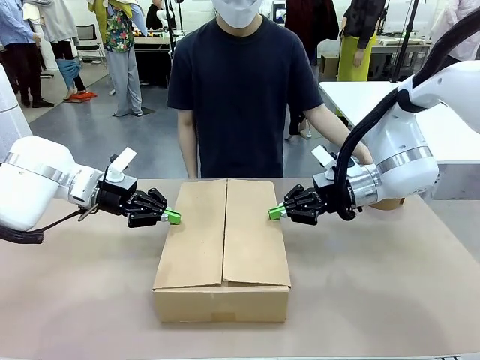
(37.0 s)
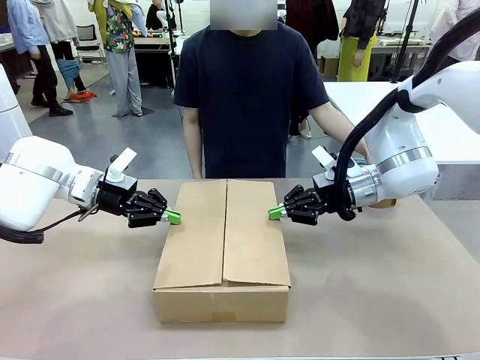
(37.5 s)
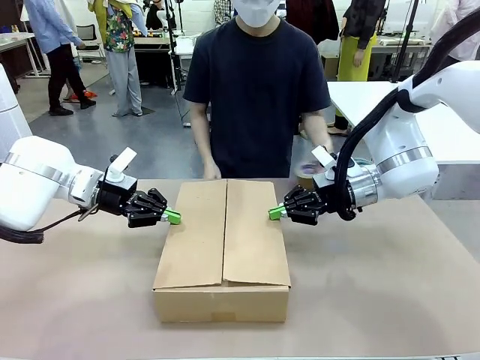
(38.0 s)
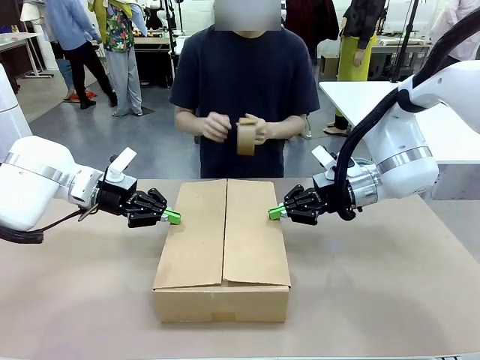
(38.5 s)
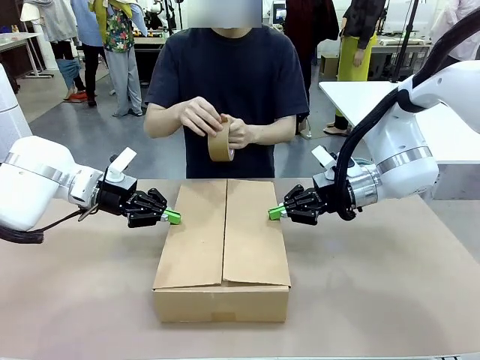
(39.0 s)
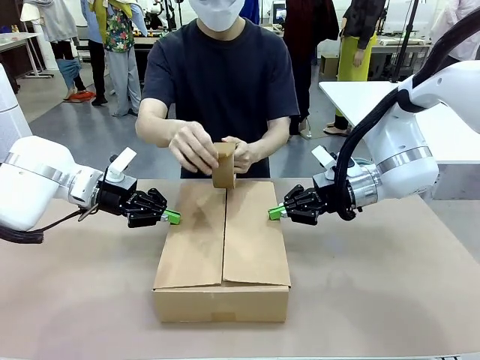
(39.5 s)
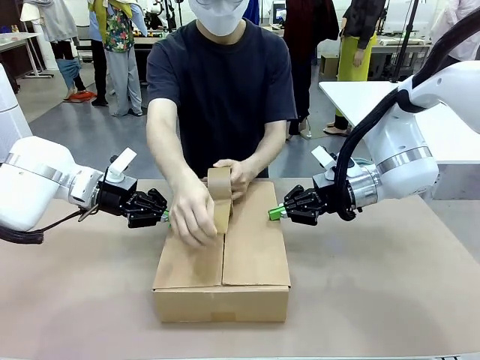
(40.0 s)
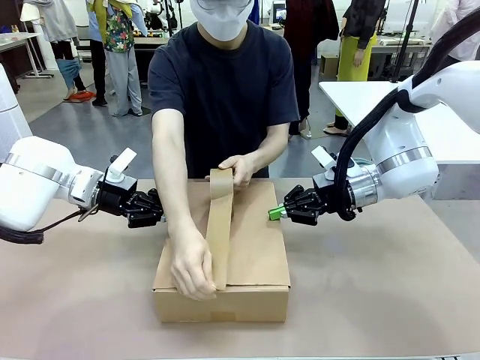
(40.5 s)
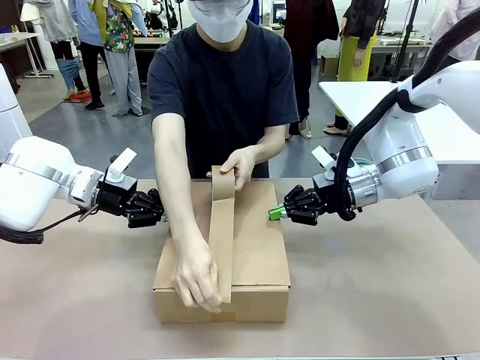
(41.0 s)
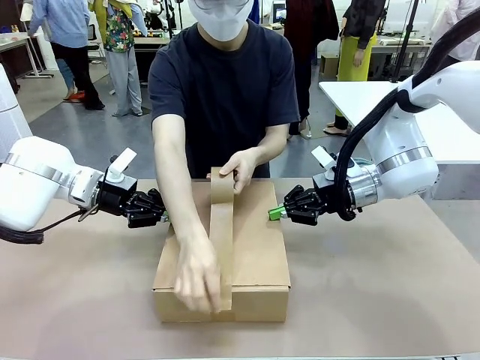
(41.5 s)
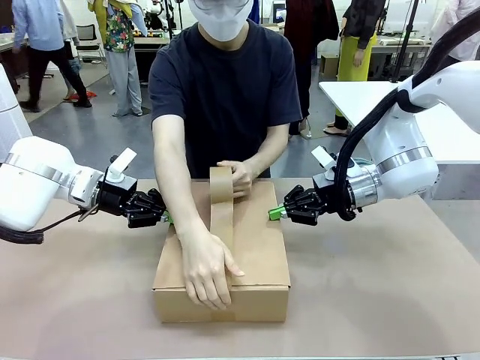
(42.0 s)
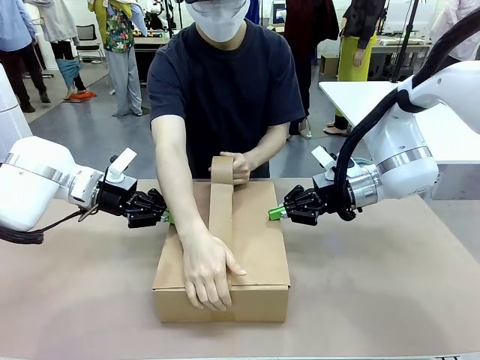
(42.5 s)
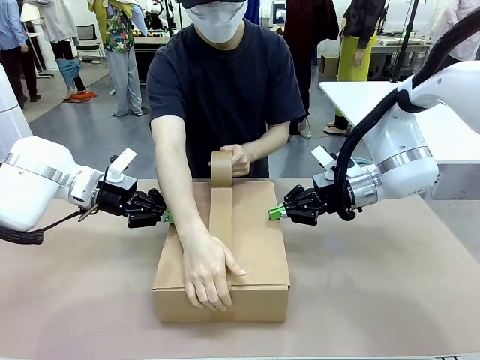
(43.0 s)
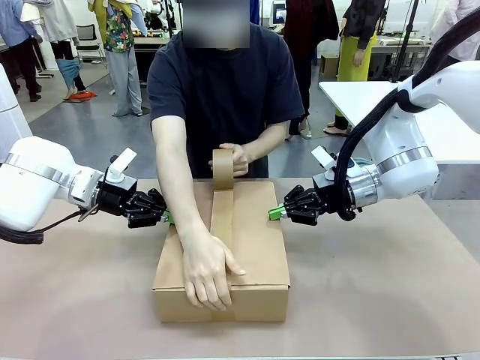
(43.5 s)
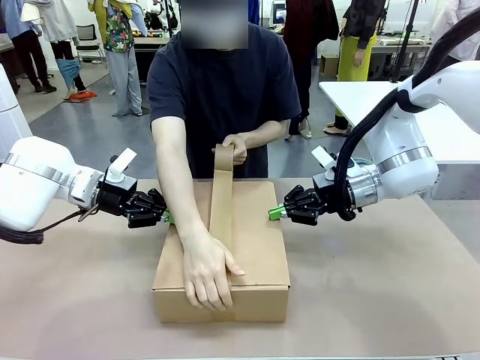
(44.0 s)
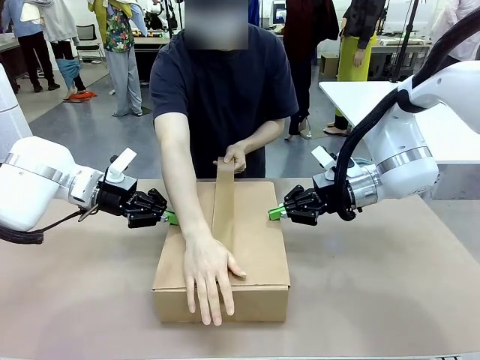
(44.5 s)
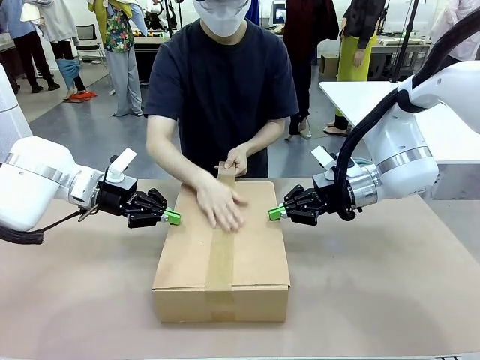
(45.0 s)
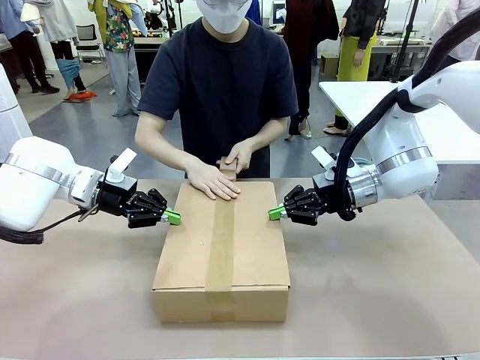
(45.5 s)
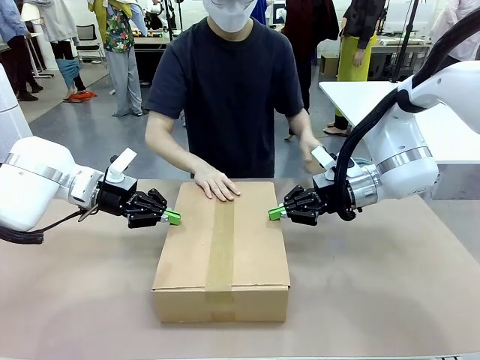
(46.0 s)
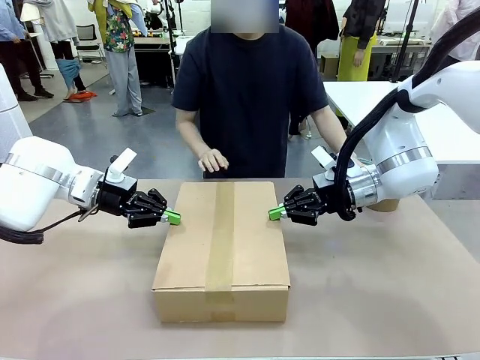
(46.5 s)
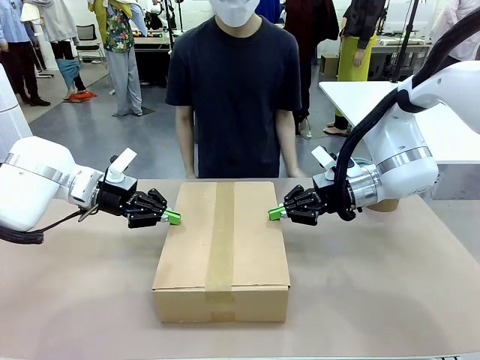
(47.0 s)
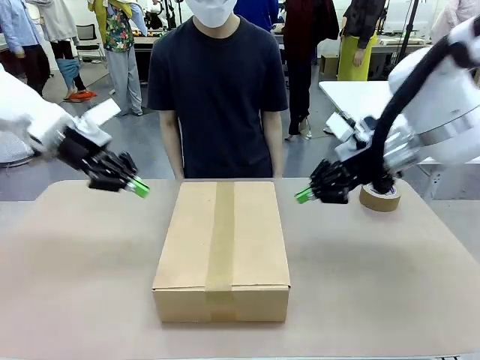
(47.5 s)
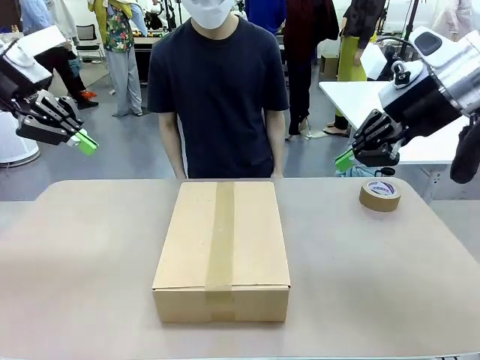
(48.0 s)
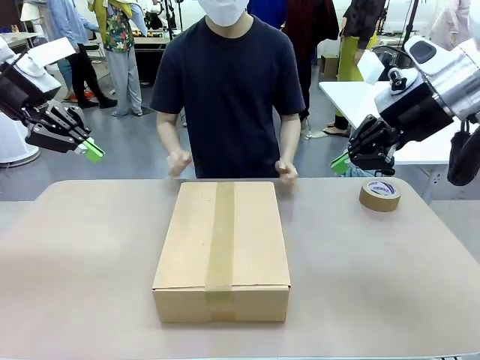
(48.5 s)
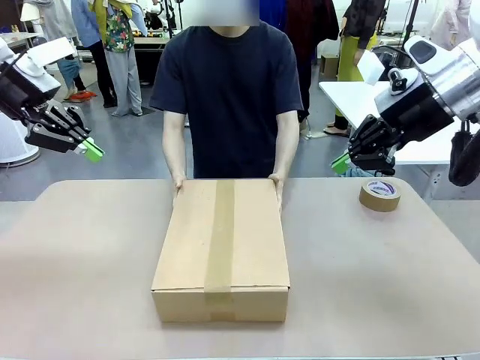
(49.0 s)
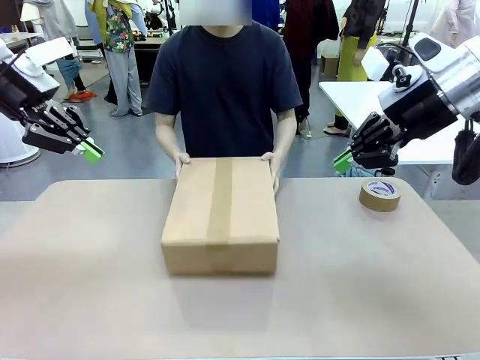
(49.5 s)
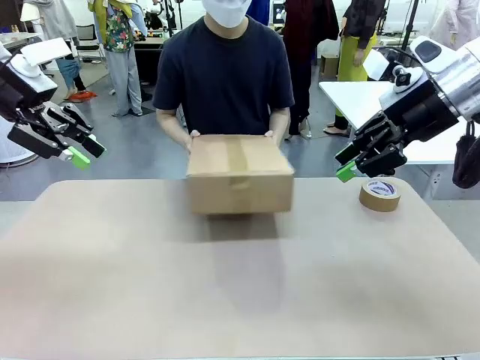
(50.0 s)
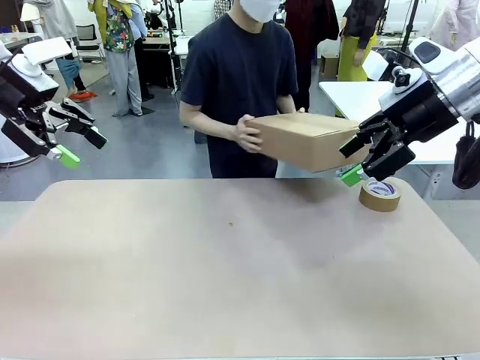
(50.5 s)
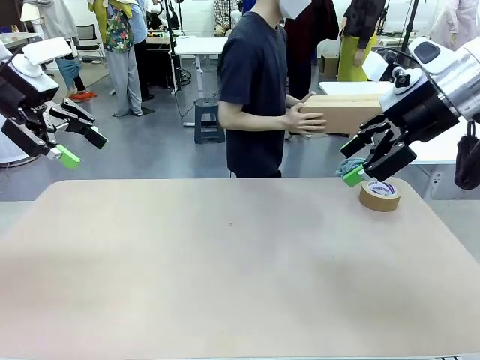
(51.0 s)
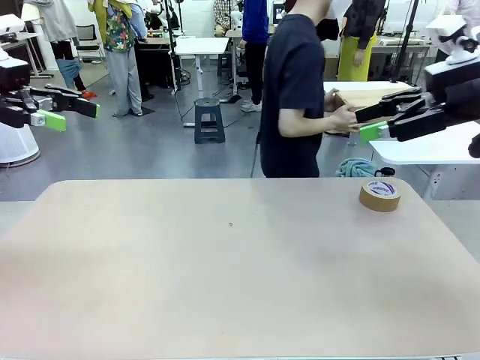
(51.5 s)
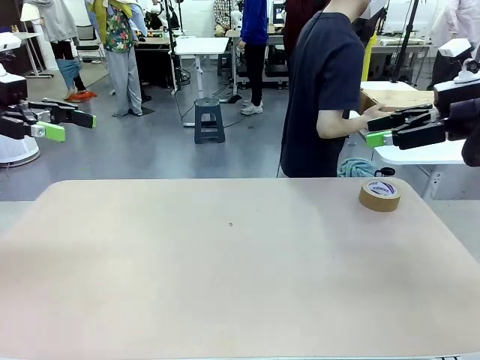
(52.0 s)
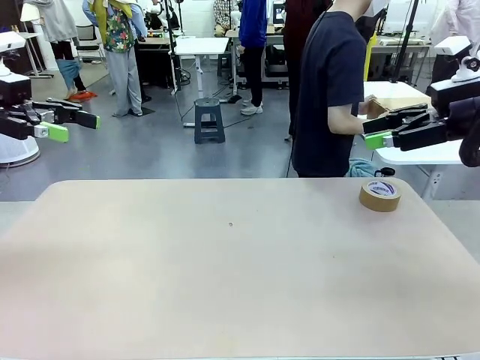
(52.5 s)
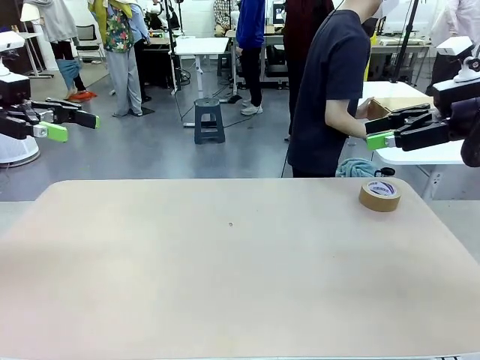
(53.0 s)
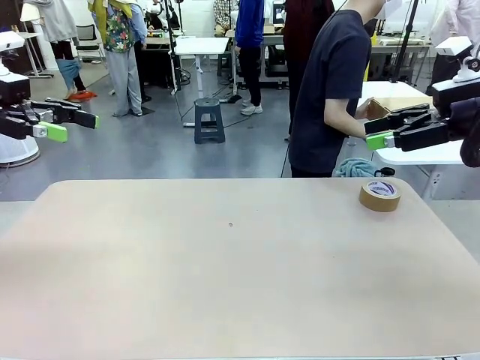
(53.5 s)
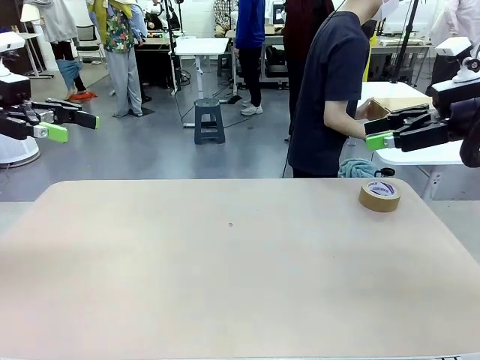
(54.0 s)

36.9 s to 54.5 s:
Task: Wrap the clocks to prevent damage.
Robot: After the human seals the box with tape, release both hands from the side flaps of the Package Box.
Person: Once the robot closes the left flap of the Package Box , seal the box with Paper Tape. Place sealed Package Box in the middle of the human's table.
